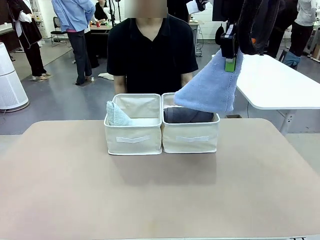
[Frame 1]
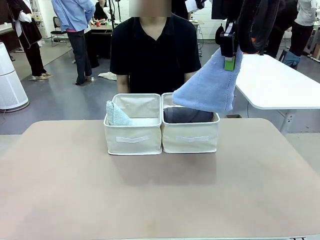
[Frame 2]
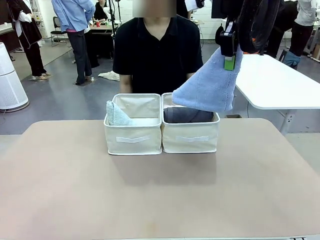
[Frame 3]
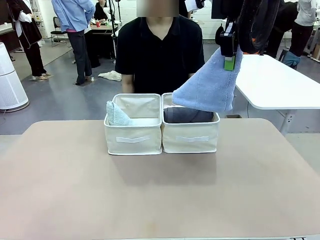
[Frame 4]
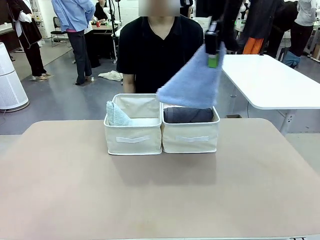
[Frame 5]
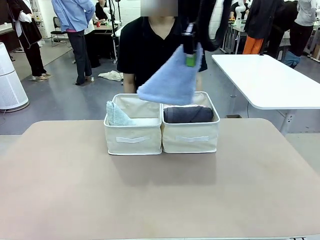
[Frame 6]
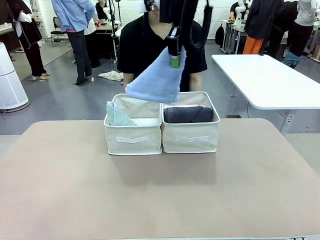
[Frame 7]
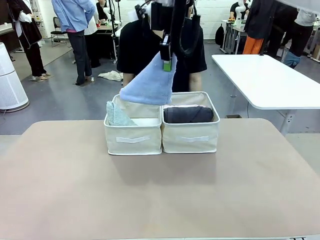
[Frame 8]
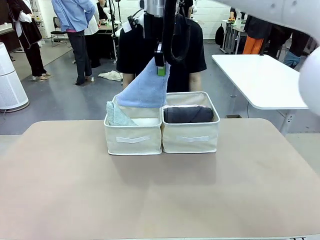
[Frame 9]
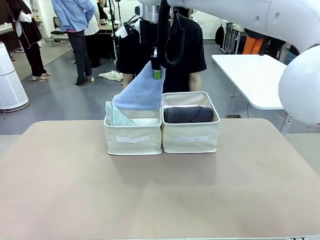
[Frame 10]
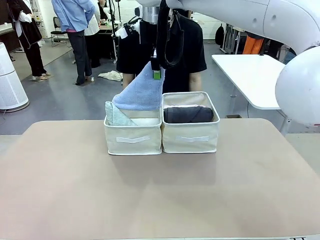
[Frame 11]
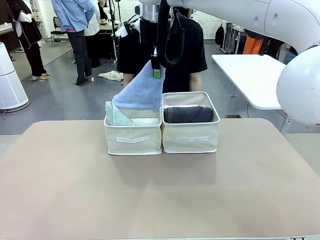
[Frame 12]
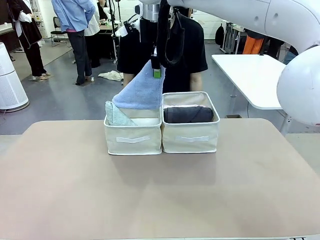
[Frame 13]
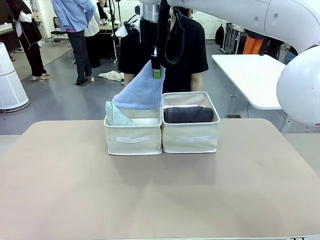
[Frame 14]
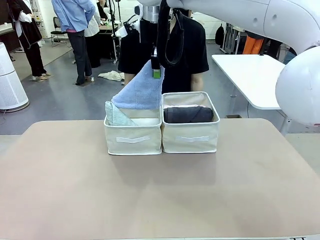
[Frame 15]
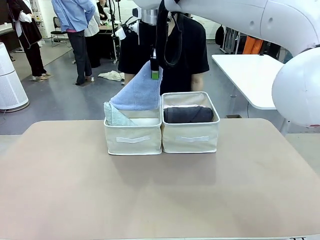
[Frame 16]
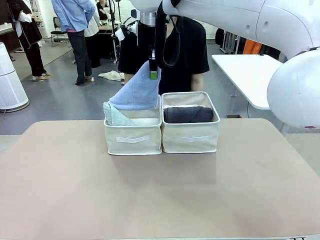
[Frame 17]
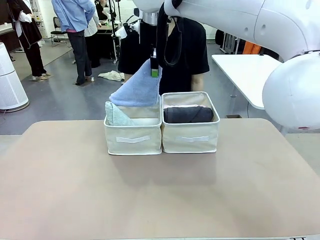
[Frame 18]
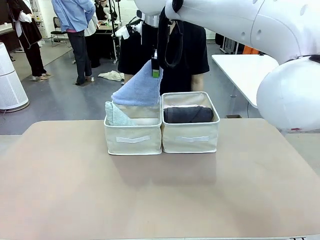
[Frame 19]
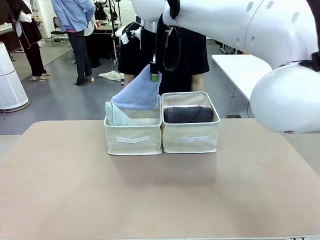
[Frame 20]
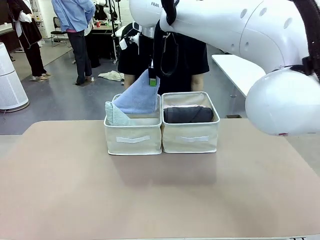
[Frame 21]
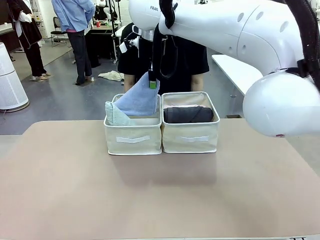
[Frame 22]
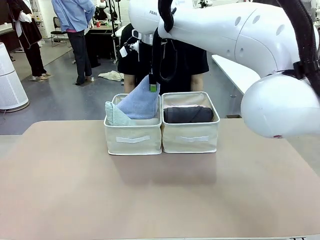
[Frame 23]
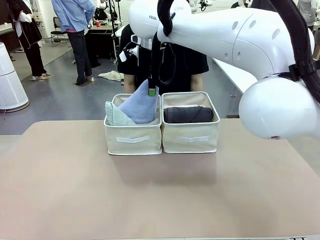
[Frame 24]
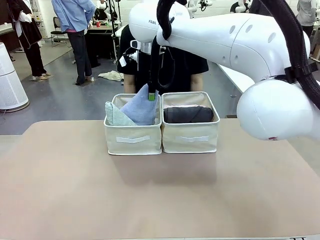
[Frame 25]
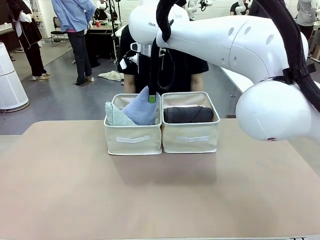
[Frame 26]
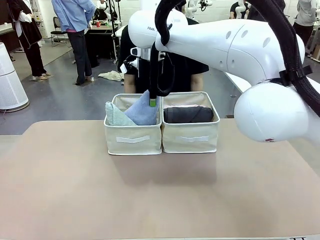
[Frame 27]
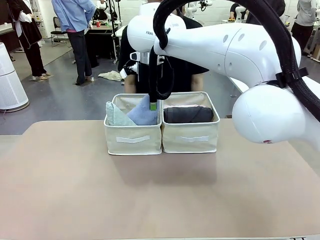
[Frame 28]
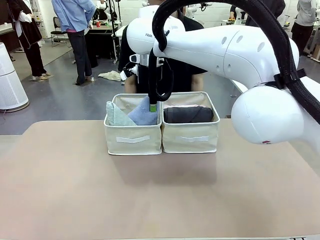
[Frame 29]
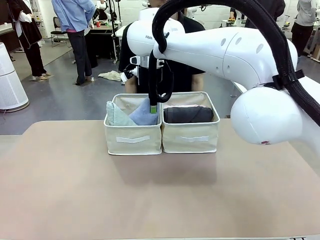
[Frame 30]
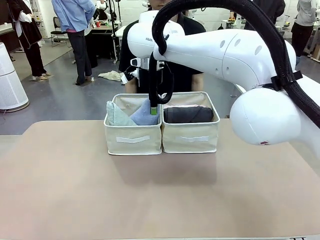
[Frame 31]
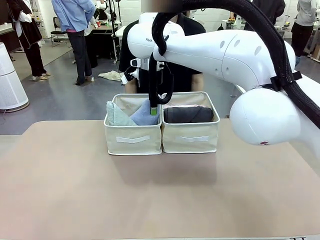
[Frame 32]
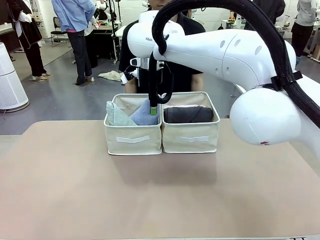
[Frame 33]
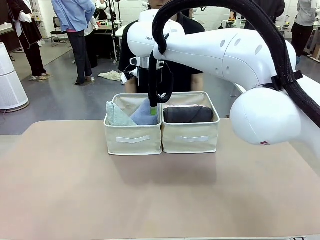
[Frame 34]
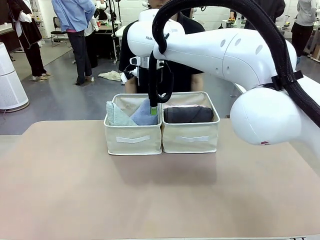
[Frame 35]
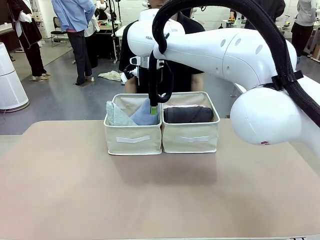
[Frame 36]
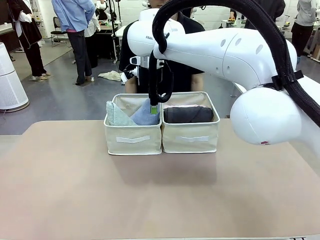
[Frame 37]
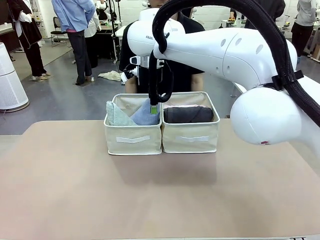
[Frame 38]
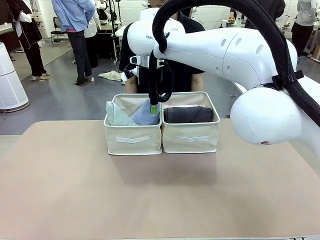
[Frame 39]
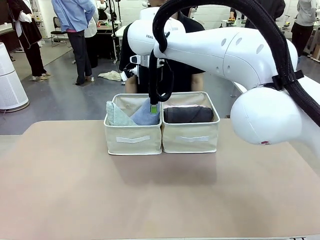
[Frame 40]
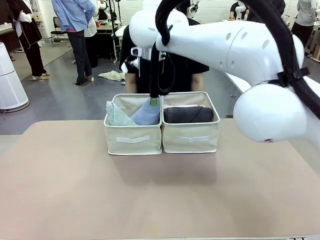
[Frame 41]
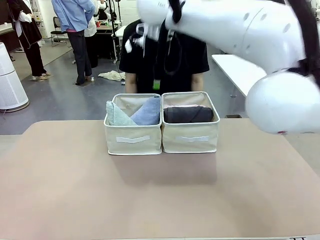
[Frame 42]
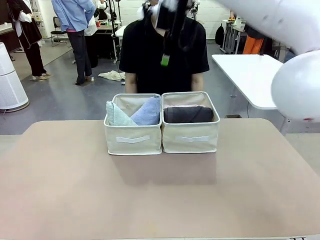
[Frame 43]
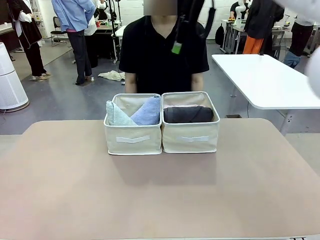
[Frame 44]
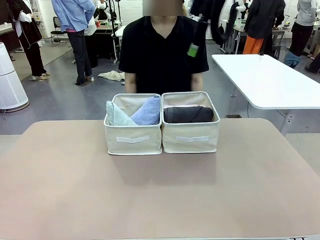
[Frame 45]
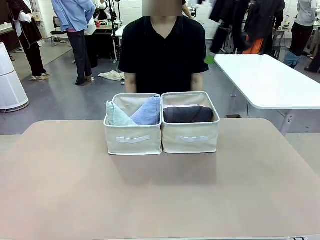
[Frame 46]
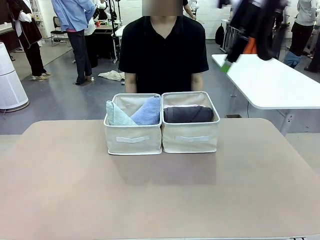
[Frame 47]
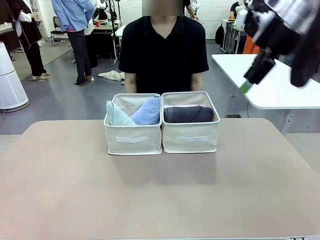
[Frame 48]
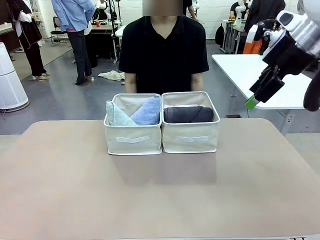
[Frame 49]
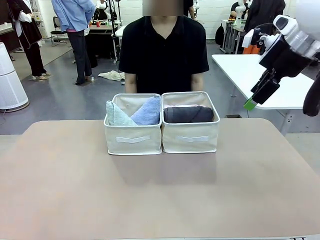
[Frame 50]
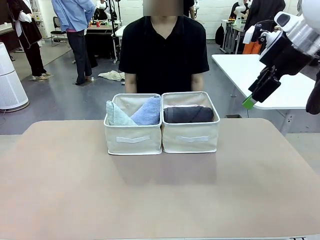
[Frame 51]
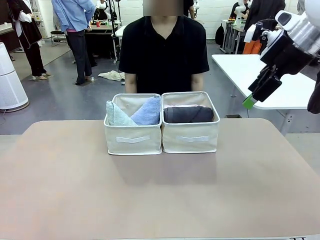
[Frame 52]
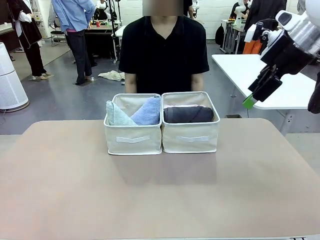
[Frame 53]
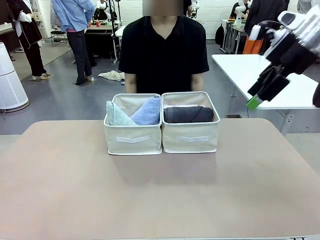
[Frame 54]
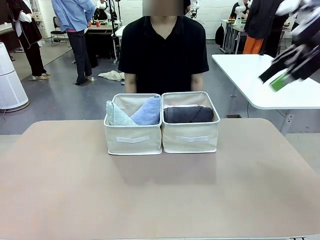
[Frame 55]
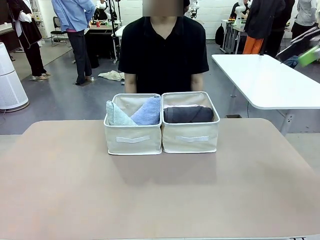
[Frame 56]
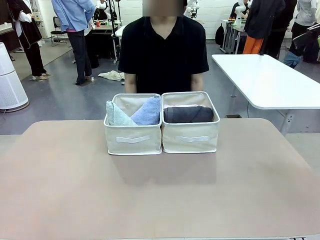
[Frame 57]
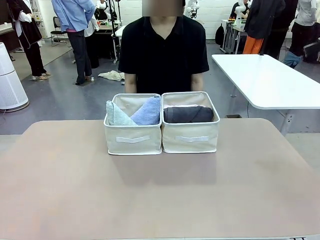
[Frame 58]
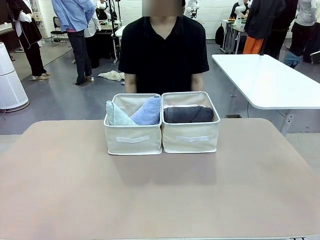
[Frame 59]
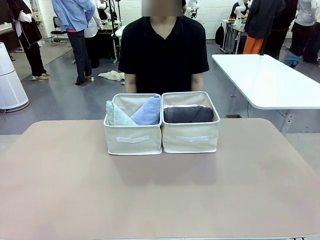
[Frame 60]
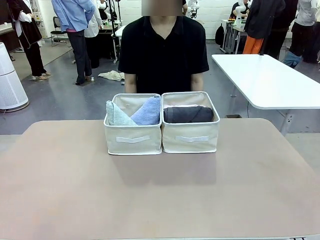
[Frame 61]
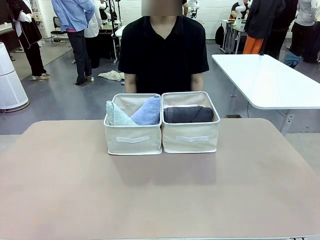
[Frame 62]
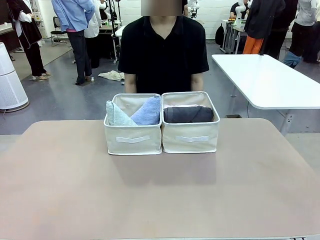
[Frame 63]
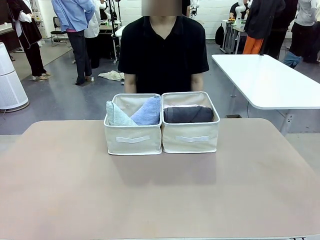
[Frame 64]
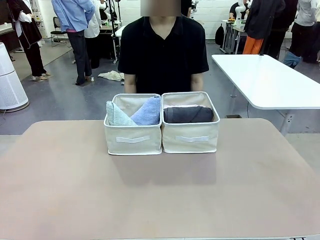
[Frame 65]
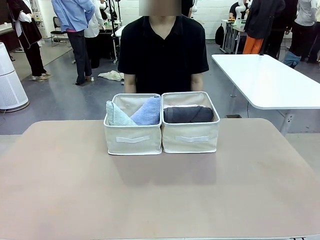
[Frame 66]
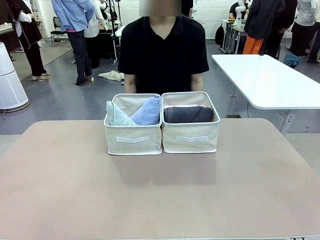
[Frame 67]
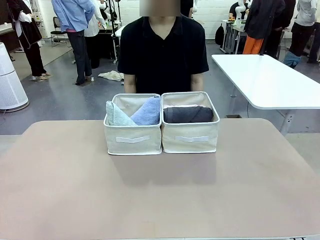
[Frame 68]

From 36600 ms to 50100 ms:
Task: Sort the towels based on their folding style.
Robot: Pick up another triangle-folded towel from the table and place it in the left Fabric basket.

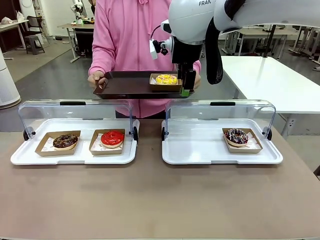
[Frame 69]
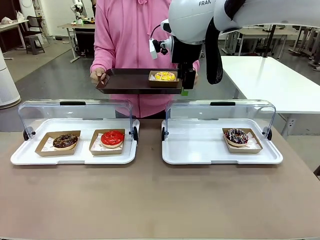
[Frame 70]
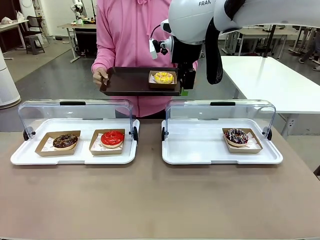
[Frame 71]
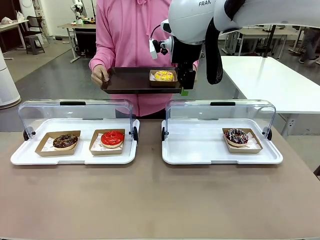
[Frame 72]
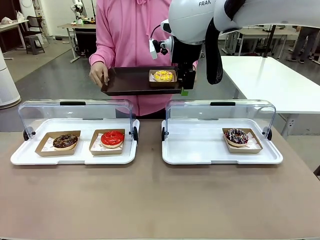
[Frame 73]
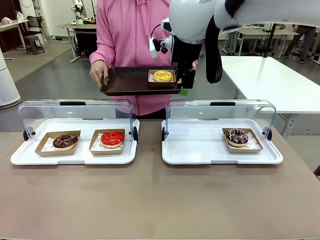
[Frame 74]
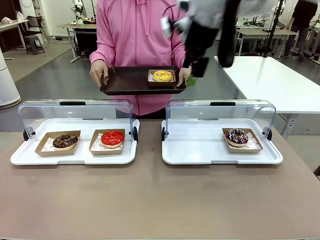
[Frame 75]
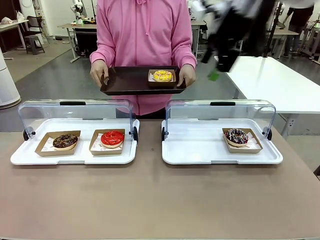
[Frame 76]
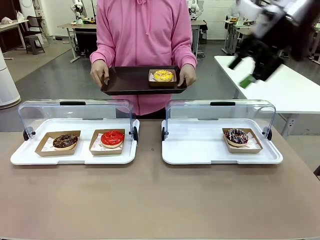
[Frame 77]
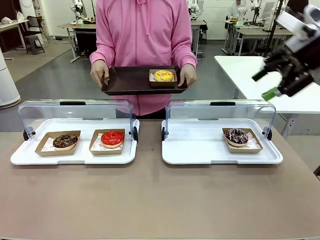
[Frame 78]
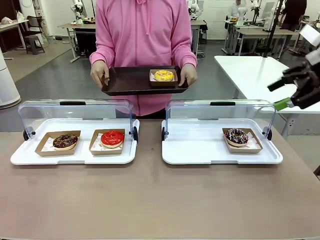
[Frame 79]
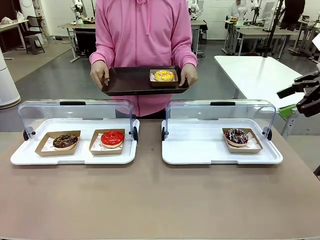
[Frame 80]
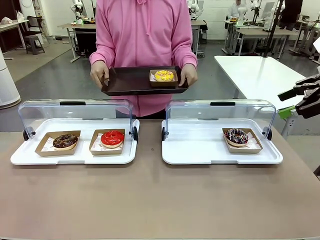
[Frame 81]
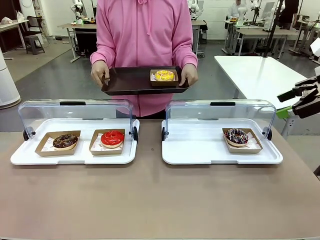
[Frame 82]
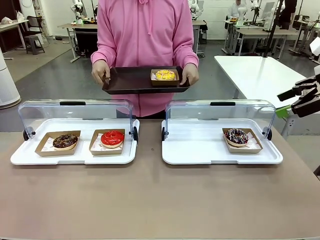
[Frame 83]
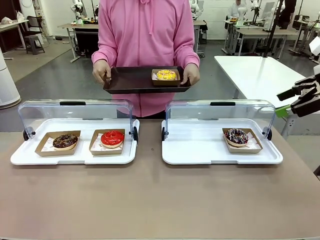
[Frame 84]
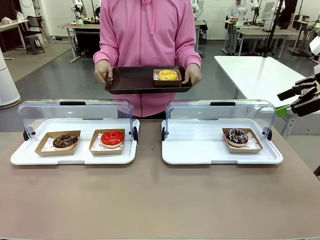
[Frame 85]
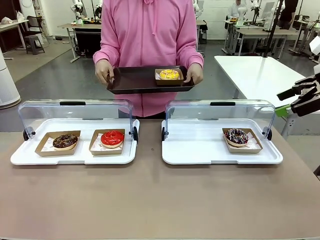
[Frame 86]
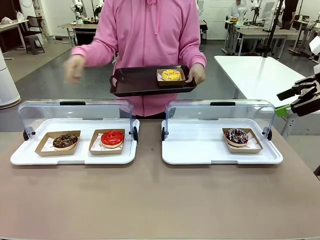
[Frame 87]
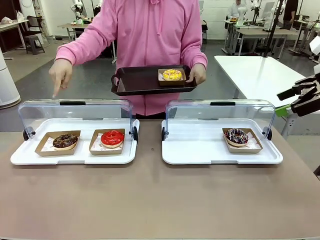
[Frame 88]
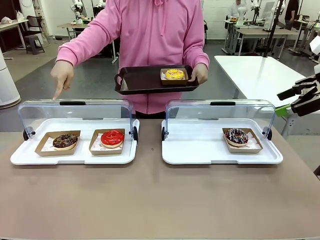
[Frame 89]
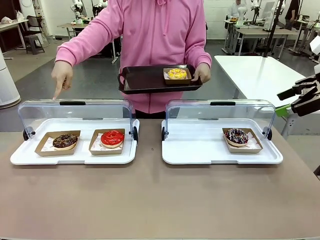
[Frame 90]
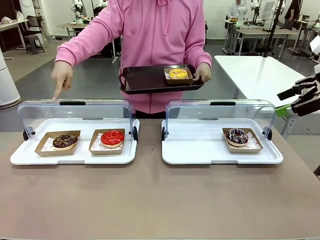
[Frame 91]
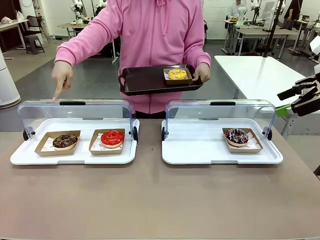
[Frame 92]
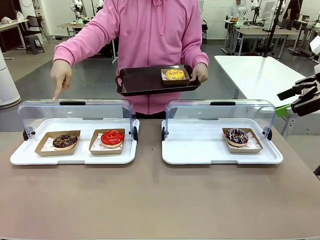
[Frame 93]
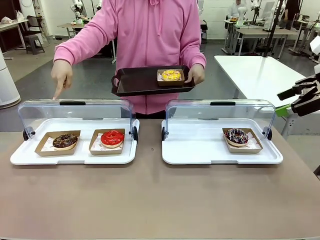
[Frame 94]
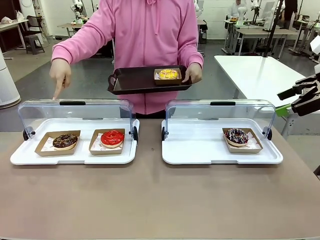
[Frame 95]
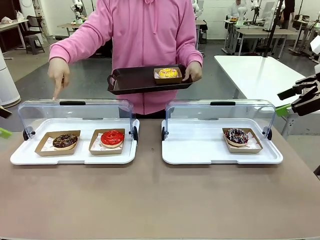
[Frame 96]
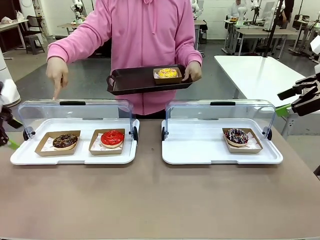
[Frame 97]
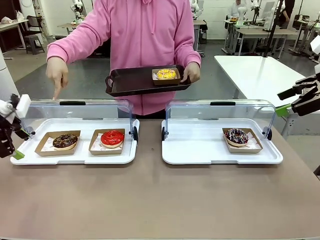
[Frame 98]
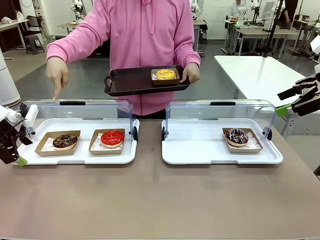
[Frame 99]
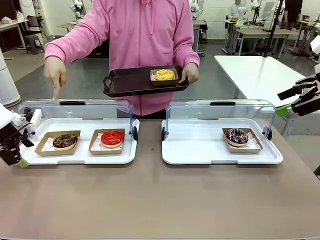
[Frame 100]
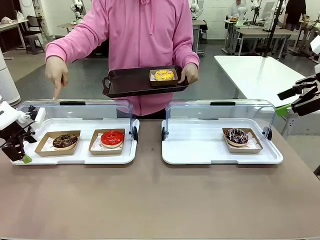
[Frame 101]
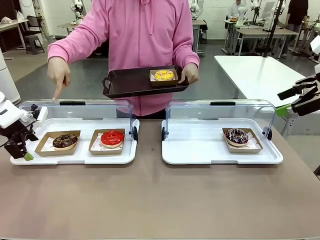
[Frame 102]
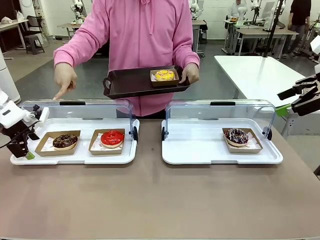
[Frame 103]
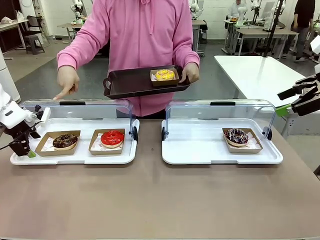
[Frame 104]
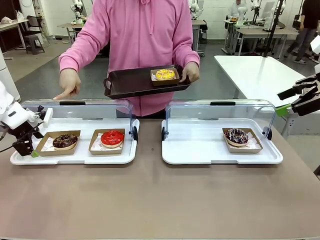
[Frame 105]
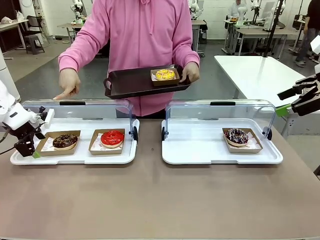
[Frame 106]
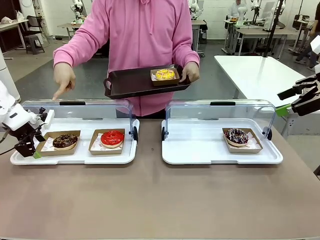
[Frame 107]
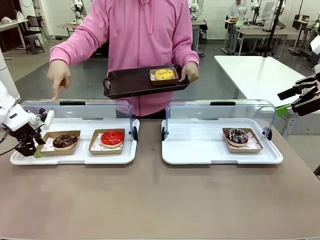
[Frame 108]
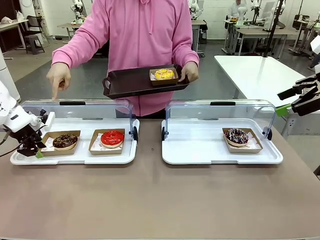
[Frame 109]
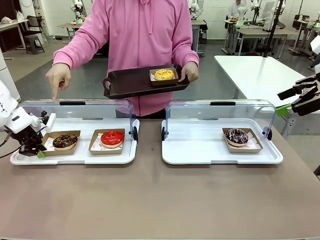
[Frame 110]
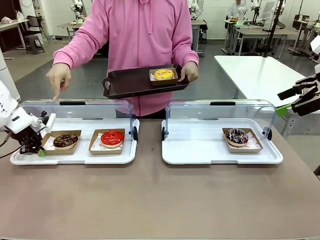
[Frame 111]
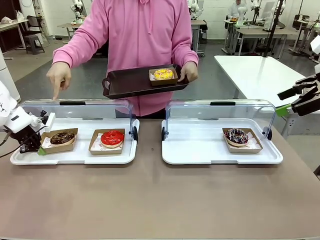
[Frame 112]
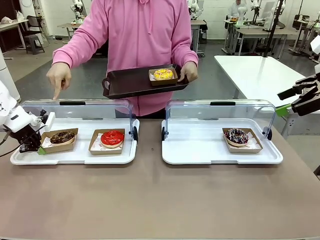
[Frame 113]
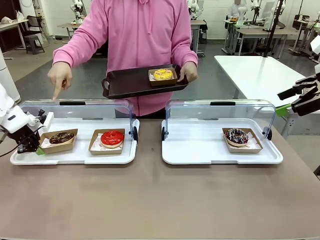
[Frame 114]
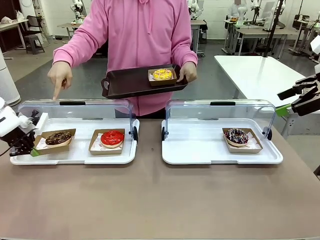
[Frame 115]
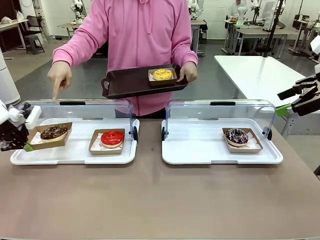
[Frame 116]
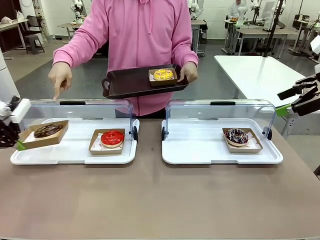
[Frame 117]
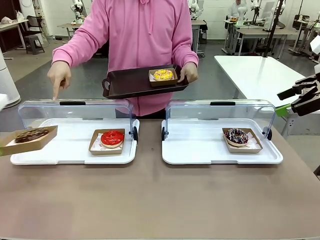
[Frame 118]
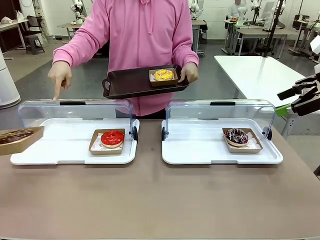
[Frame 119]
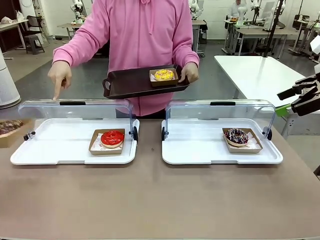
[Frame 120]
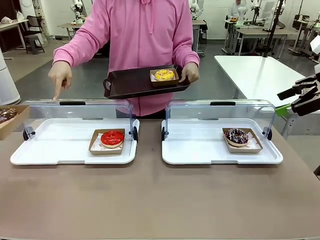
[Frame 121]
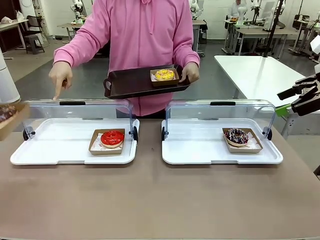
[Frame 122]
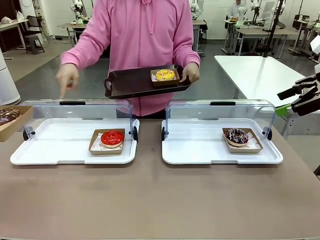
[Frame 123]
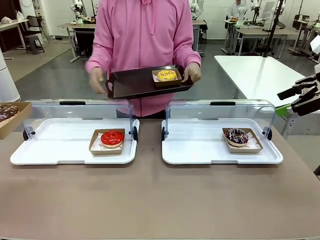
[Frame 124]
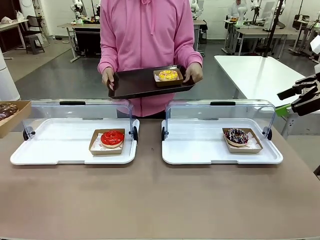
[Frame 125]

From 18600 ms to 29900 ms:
Task: Provide the desired donut to the person.
Robot: Pick up and lift the Paper togo box containing the Donut pointed at by the person.
Person: Lift the tray onto the Roll-Top Bakery Case.
